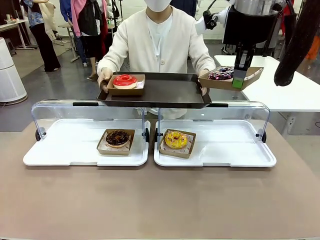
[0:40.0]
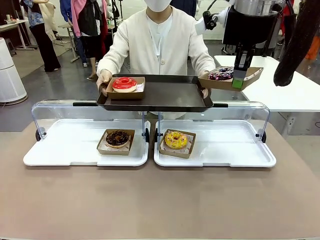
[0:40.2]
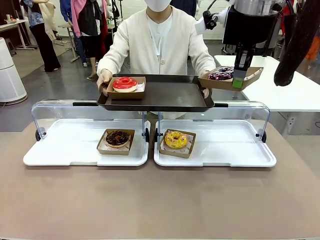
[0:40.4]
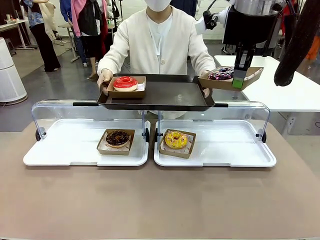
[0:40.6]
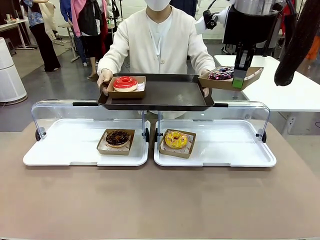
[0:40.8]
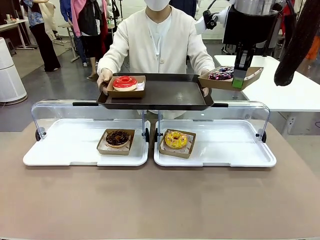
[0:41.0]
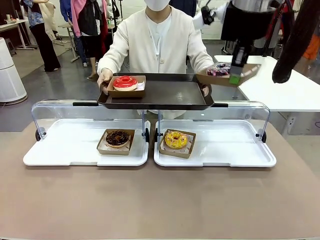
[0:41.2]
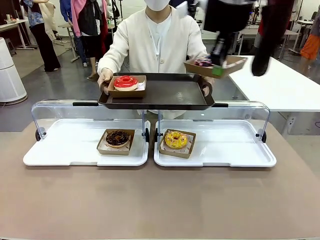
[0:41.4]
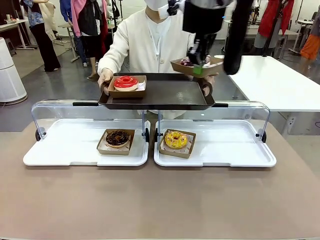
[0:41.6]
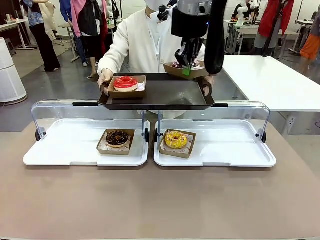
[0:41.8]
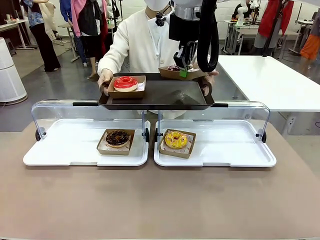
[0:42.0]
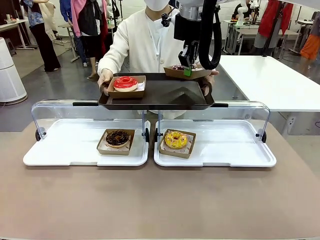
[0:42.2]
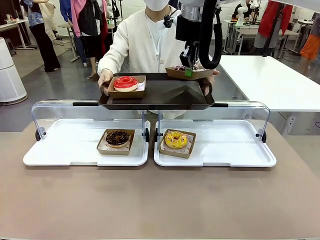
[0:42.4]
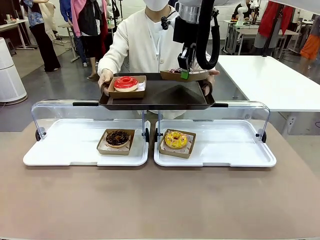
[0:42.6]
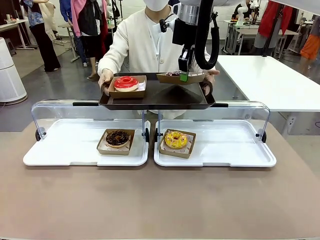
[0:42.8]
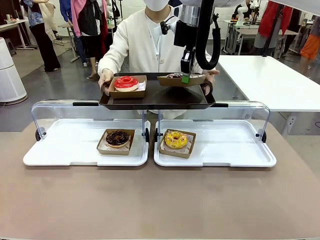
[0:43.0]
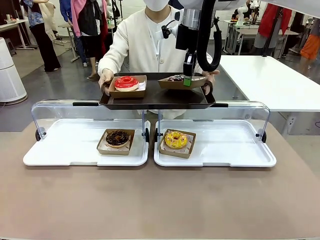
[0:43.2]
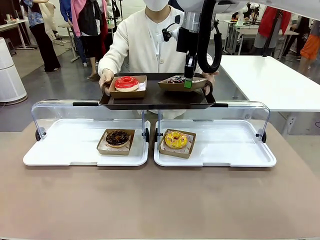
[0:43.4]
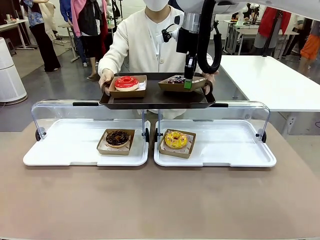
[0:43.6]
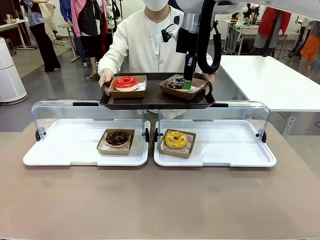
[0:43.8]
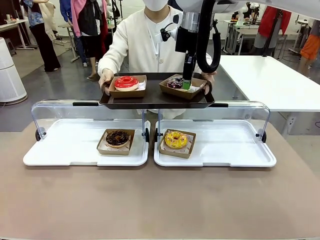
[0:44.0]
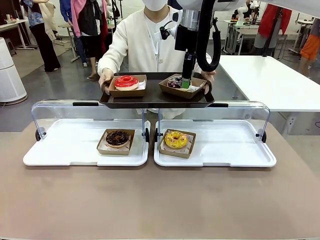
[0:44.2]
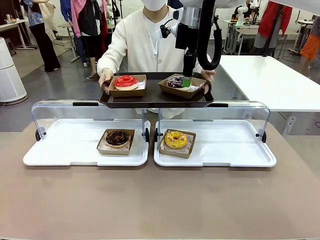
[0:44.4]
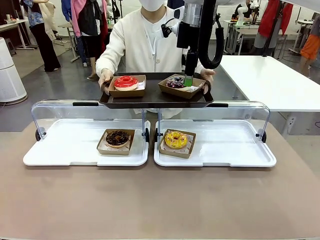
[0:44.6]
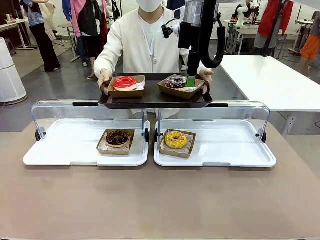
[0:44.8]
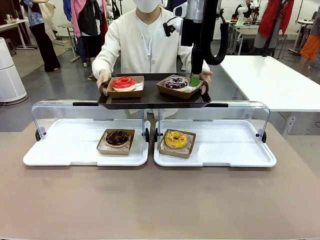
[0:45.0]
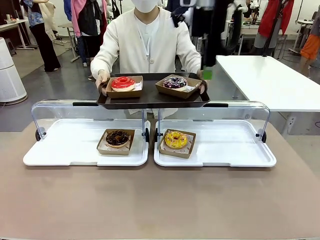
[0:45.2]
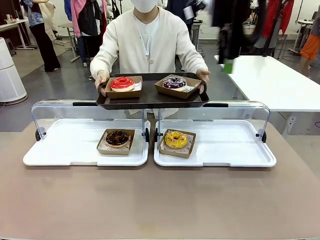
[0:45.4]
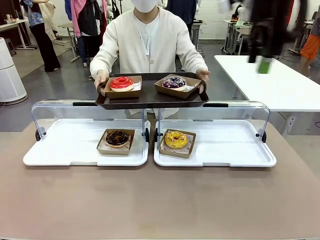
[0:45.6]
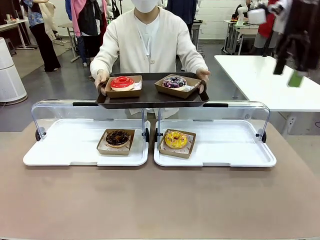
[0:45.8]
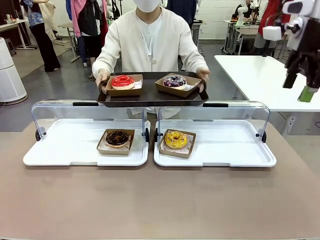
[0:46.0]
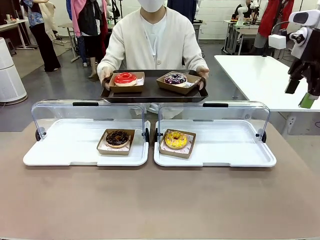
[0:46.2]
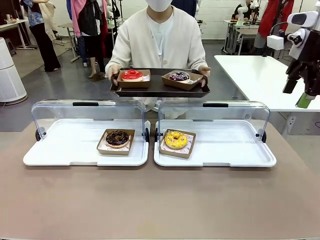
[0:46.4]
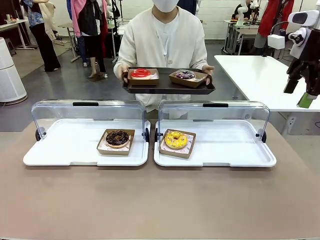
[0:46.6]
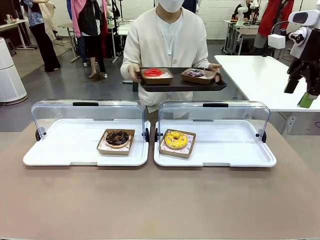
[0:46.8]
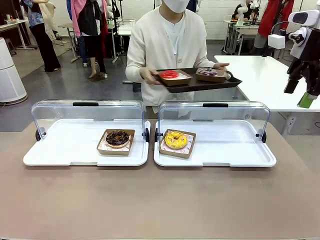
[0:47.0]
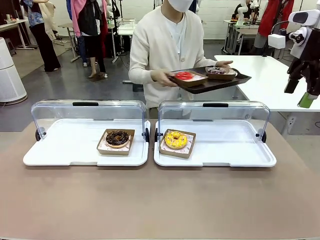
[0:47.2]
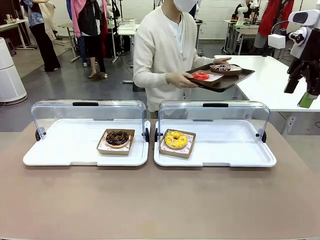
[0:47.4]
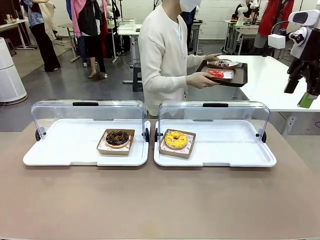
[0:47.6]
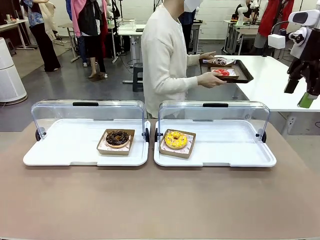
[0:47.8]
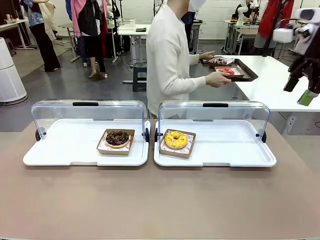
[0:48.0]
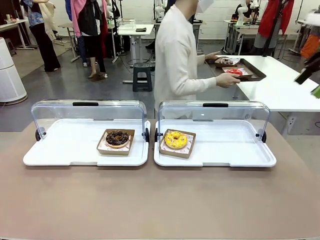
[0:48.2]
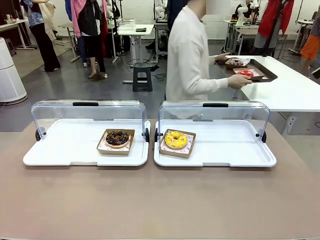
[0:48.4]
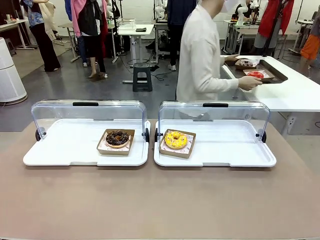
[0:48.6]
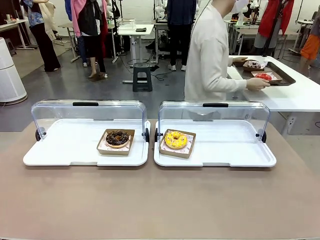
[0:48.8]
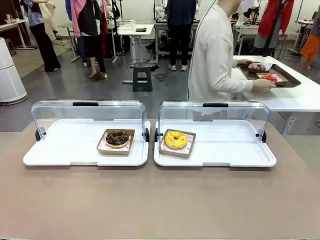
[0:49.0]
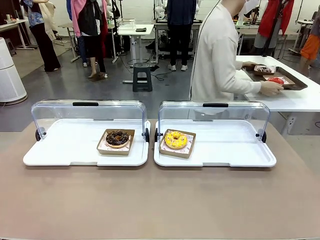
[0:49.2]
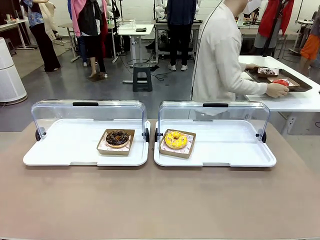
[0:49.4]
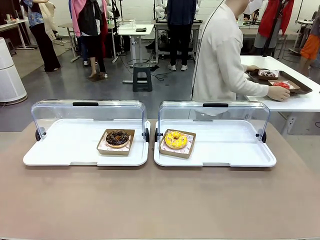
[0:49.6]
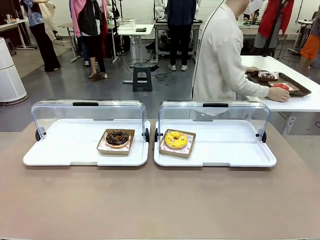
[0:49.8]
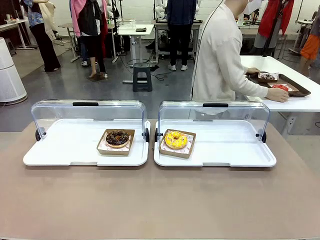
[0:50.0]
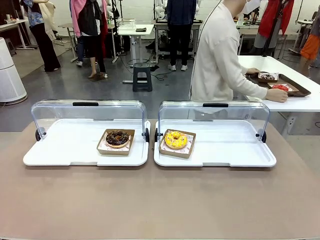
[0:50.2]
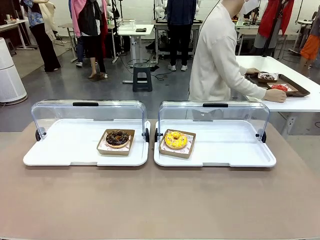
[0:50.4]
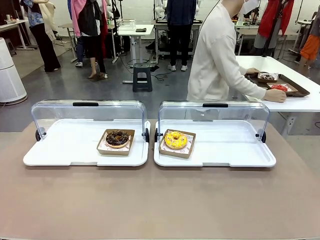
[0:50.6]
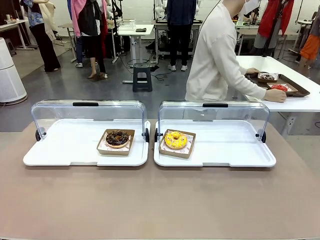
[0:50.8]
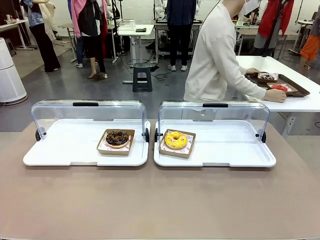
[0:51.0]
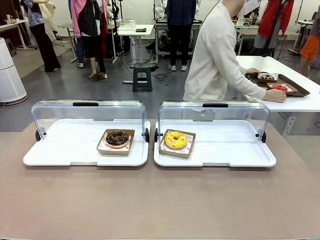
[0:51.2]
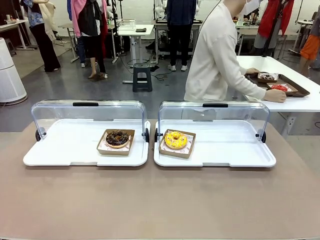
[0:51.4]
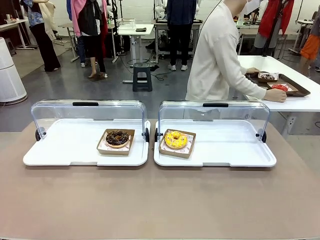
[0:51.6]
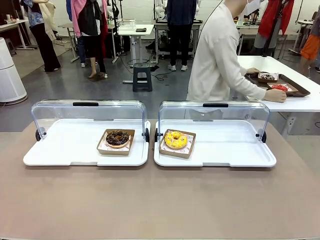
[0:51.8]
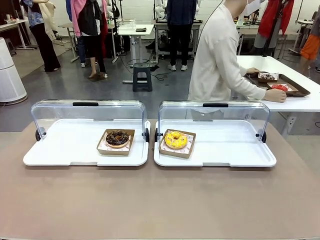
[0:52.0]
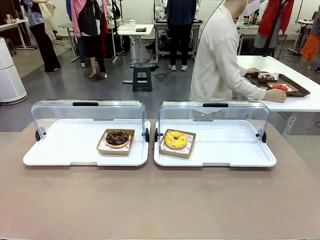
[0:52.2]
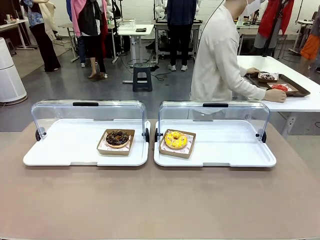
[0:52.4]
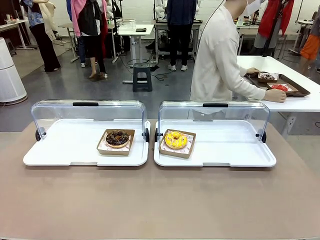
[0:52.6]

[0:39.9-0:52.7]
Task: Provide the desired donut to the person.
Robot: Place the picked Paper togo box onto the Handle tray extended by the person.
Person: Place the tray in the middle of the human table.

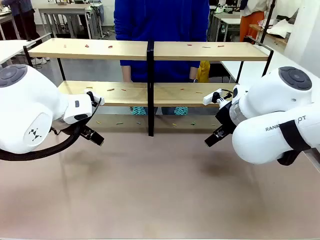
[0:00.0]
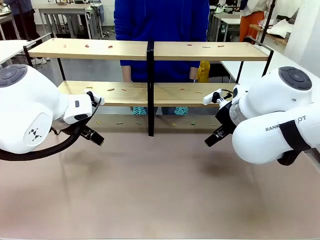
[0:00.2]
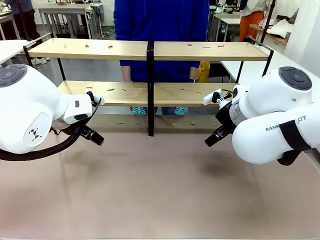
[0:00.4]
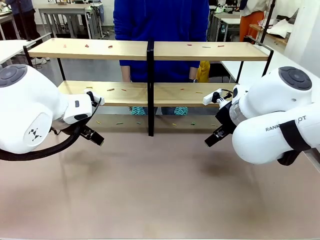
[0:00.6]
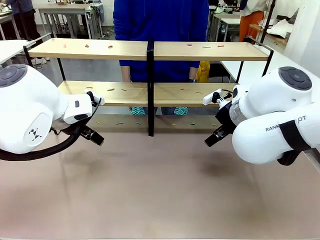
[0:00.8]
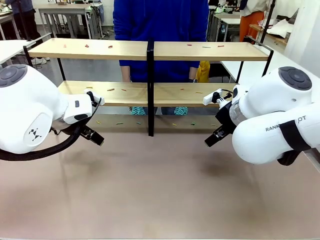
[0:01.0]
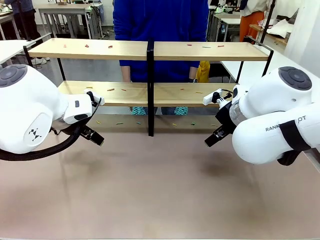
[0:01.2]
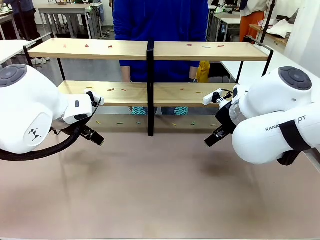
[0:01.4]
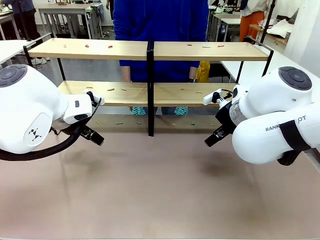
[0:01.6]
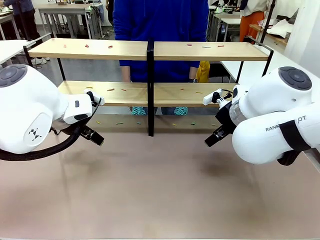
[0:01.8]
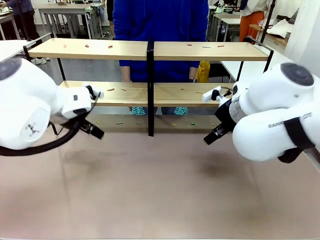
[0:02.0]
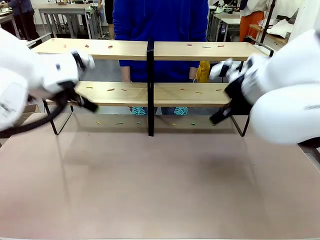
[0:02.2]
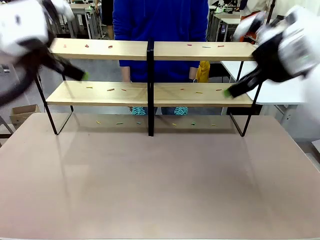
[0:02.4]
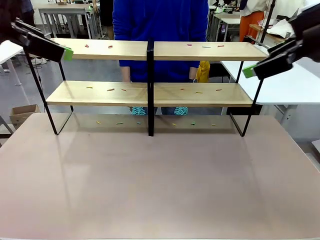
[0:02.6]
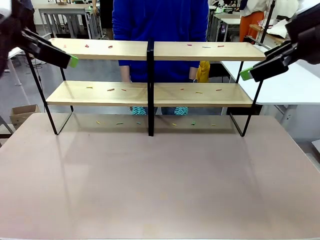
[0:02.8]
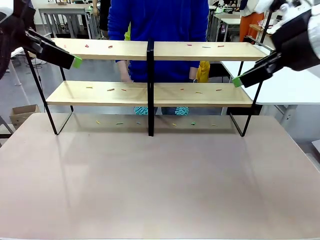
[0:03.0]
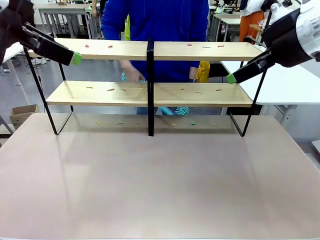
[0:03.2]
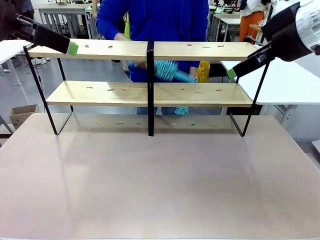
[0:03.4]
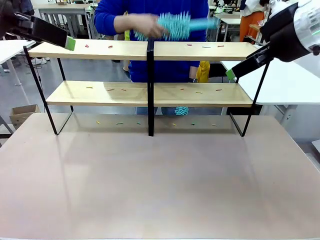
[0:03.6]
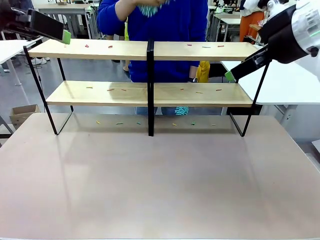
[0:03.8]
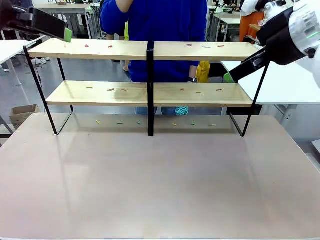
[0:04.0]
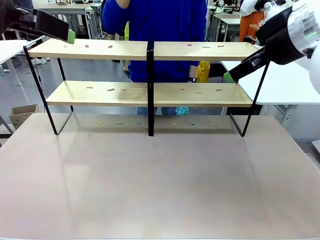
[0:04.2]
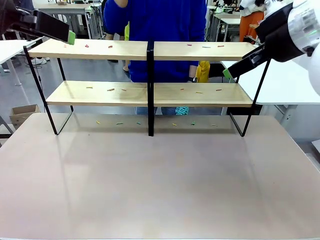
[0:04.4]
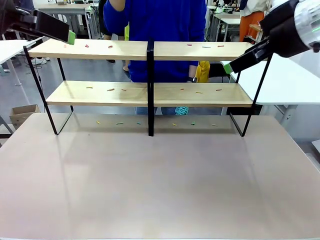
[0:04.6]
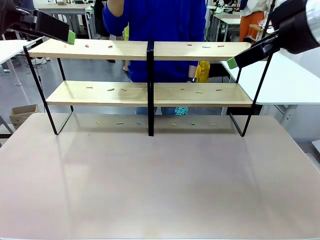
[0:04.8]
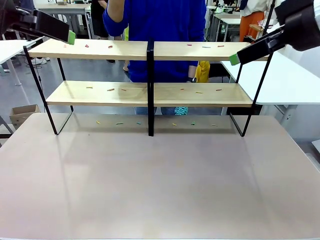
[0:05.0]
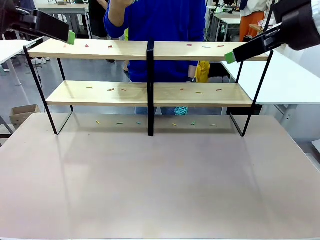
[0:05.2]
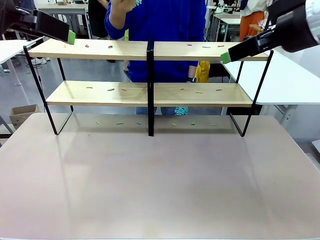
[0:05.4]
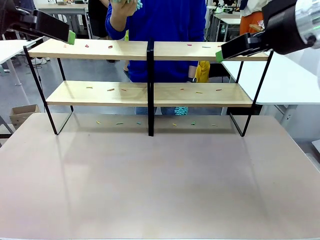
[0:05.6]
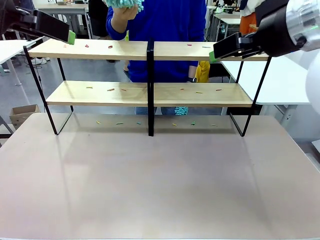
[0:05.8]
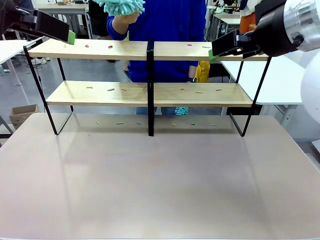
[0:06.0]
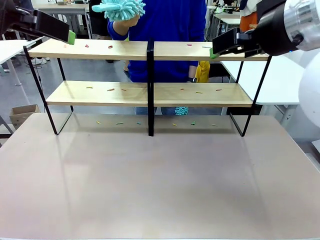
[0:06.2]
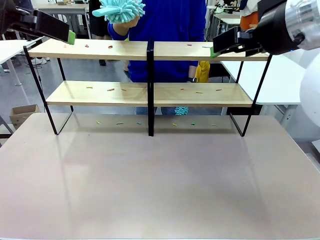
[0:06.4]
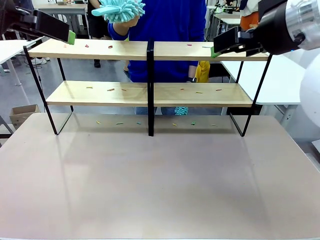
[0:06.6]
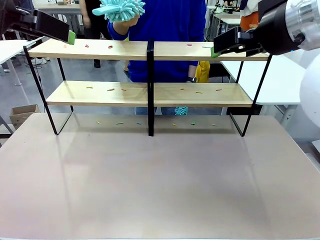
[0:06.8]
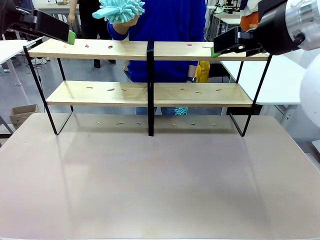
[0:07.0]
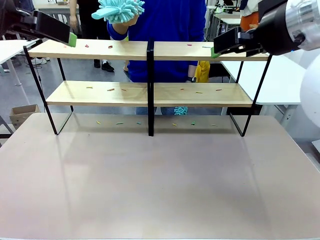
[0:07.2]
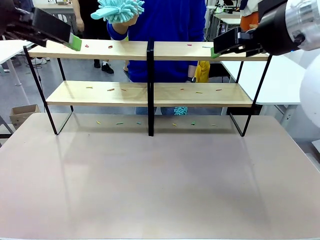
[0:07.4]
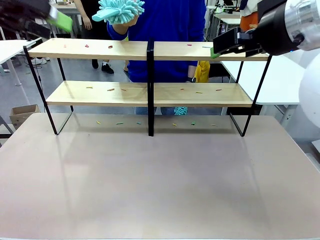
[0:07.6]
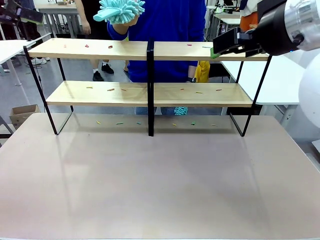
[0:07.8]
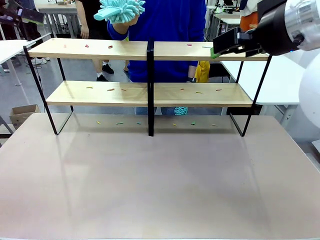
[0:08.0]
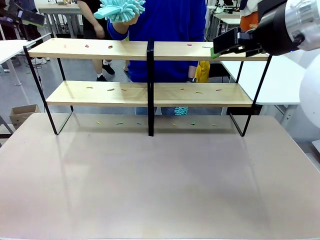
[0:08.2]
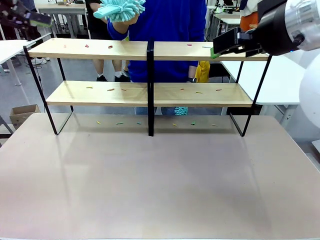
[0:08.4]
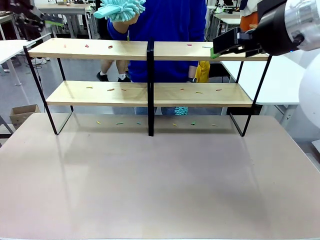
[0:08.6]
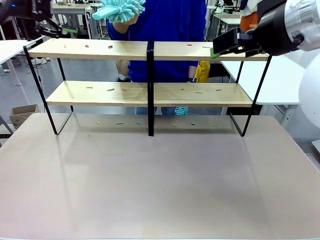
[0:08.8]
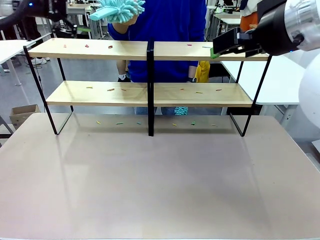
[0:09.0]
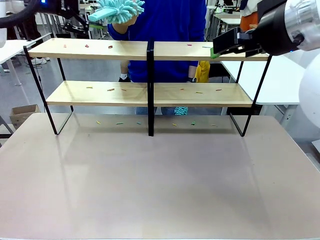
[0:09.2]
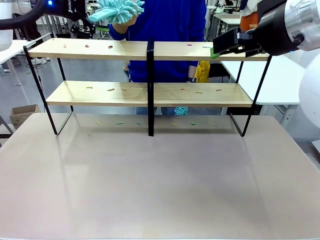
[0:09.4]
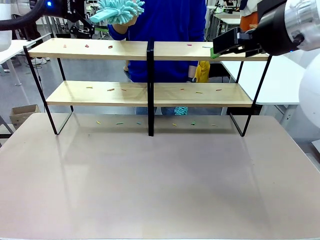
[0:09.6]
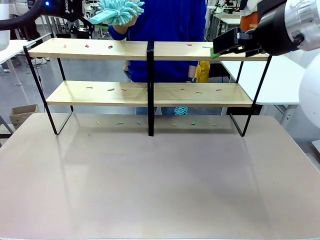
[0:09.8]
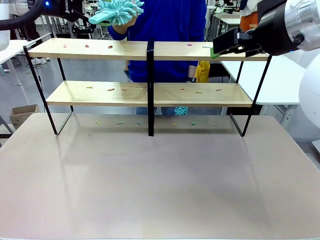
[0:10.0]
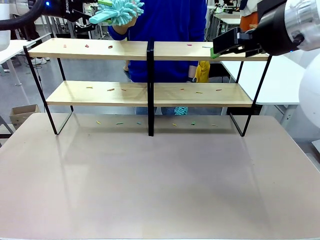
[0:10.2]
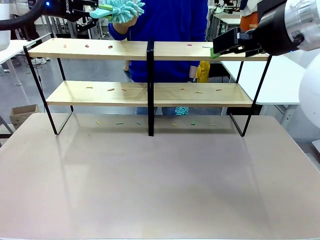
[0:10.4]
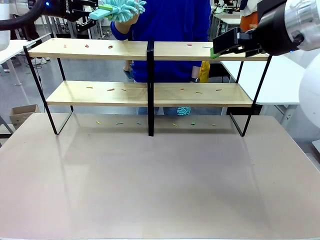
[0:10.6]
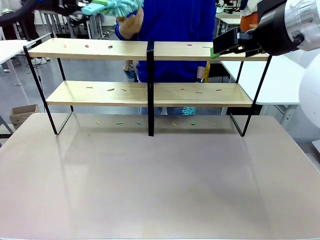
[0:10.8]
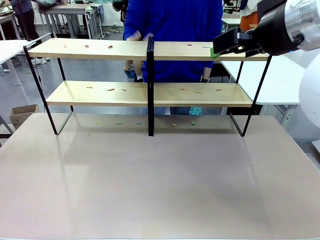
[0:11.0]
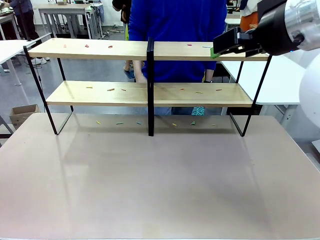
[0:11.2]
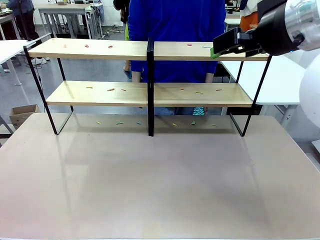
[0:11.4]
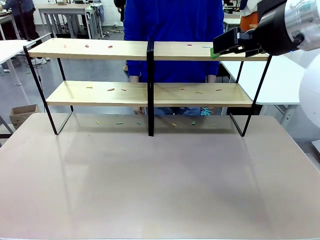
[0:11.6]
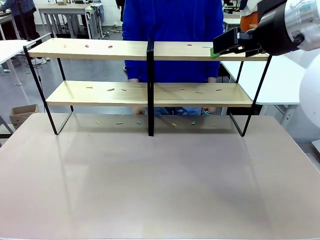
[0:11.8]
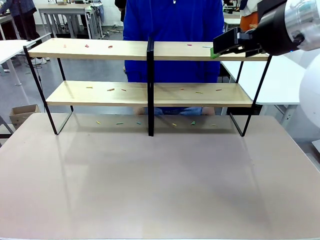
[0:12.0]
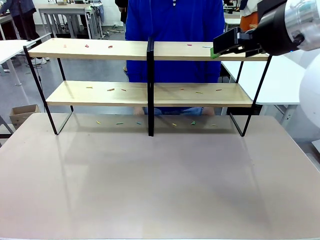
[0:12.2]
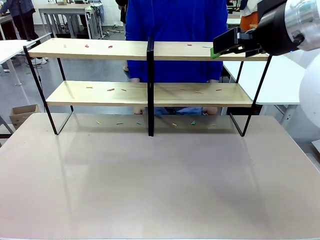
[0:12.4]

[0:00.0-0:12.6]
Task: Clean the shelves.
Robot: Pick up the Duster when the human hands it over.
Person: Hand the Duster to the robot with your right (or left) hand.
